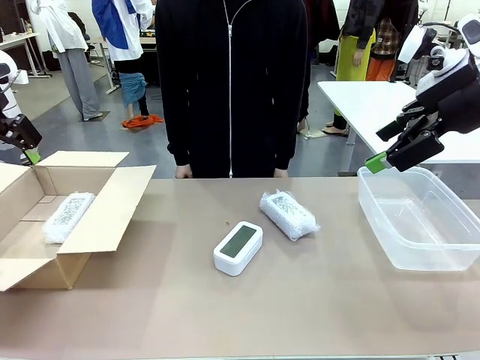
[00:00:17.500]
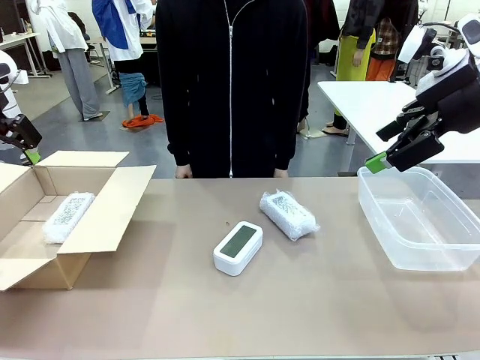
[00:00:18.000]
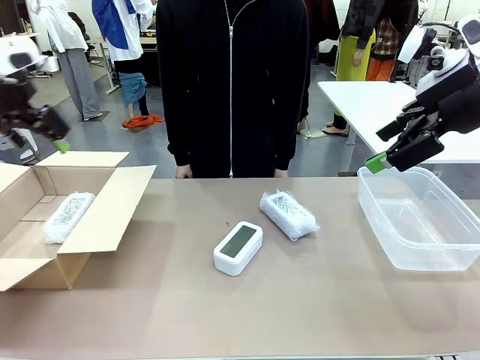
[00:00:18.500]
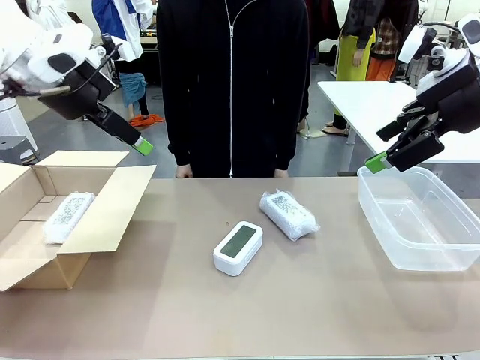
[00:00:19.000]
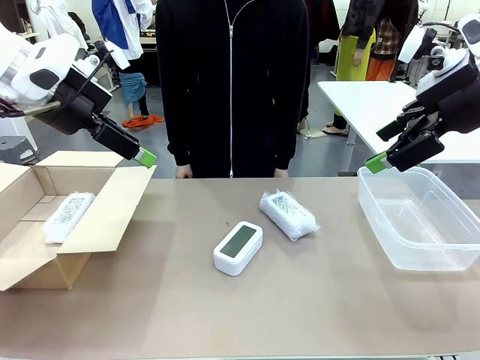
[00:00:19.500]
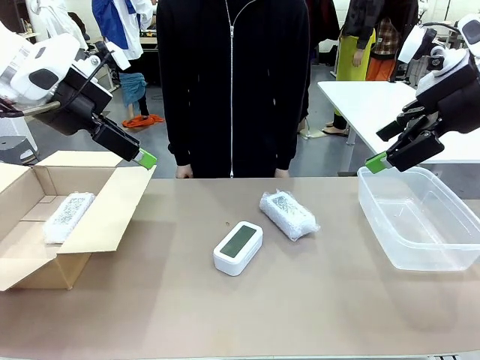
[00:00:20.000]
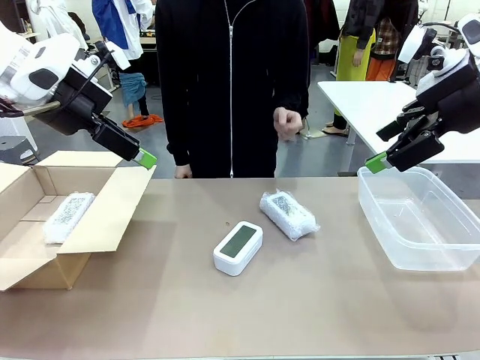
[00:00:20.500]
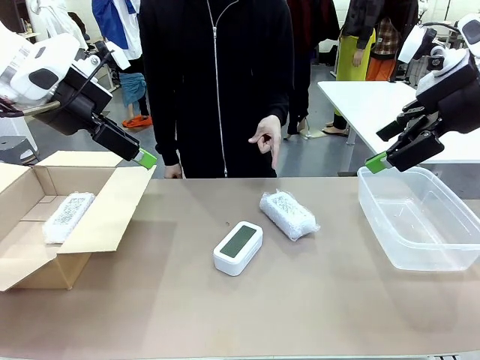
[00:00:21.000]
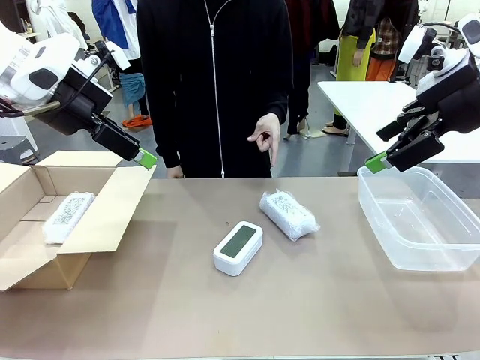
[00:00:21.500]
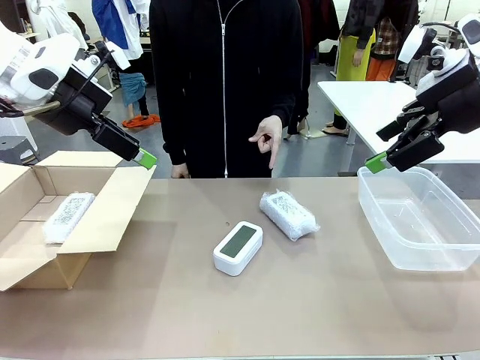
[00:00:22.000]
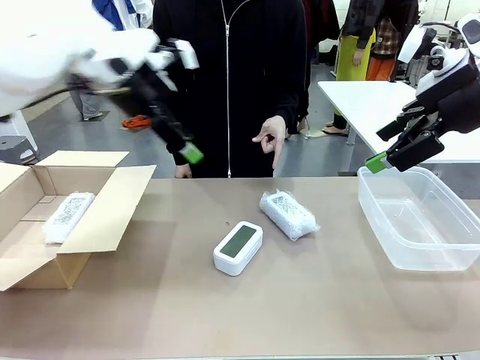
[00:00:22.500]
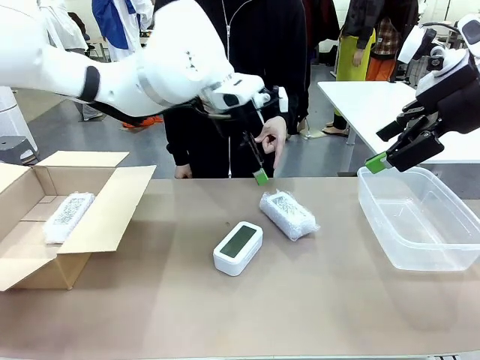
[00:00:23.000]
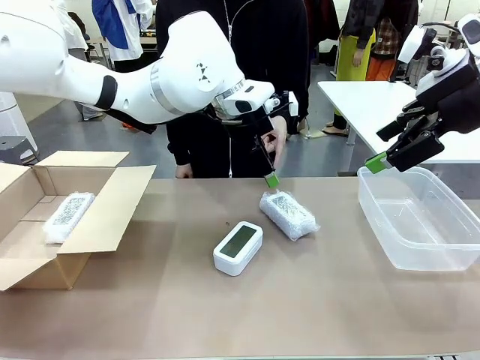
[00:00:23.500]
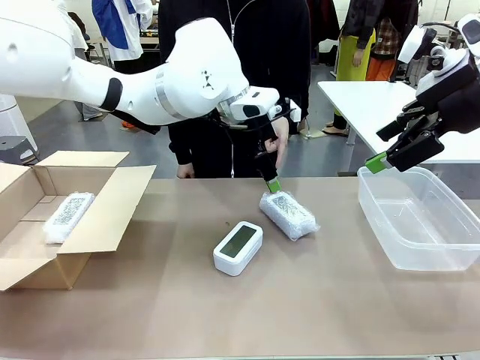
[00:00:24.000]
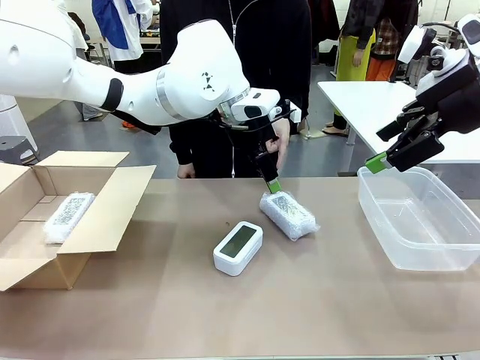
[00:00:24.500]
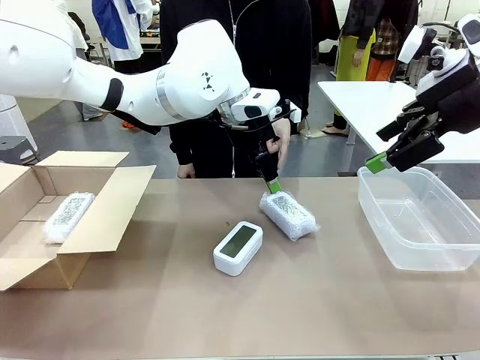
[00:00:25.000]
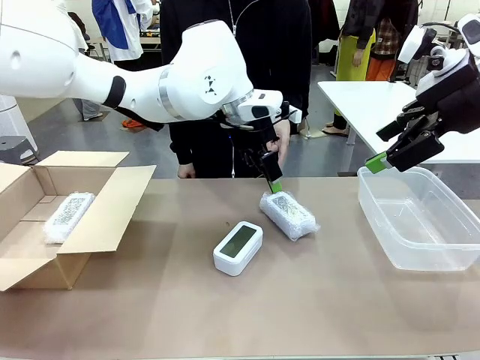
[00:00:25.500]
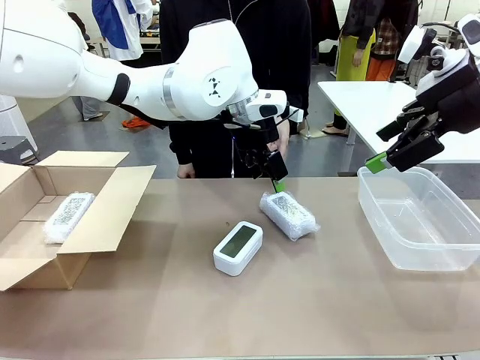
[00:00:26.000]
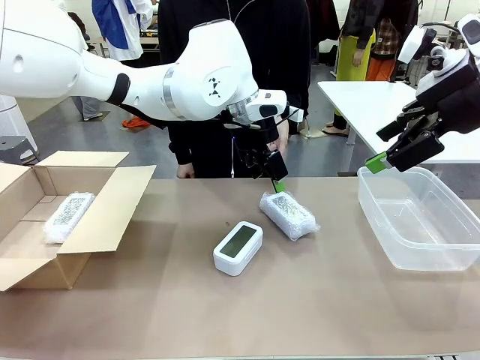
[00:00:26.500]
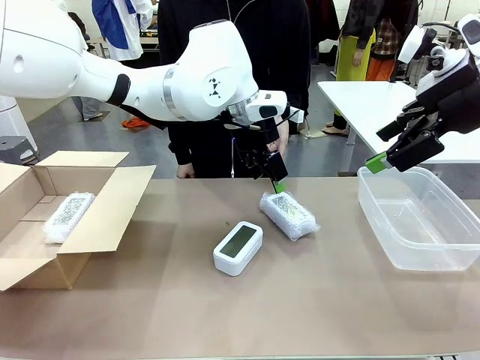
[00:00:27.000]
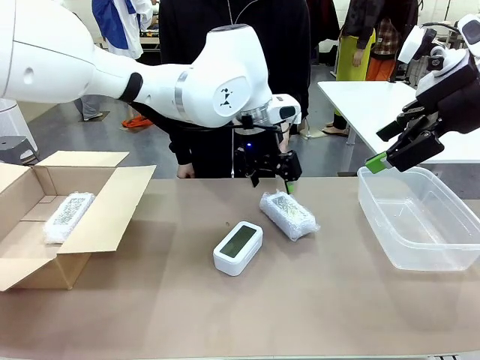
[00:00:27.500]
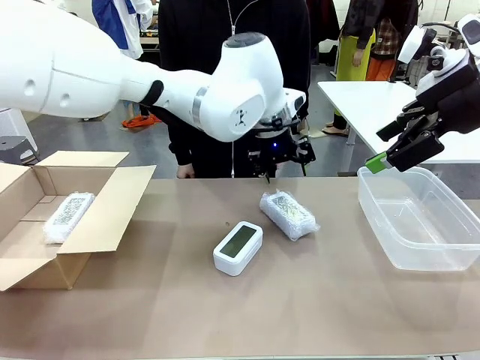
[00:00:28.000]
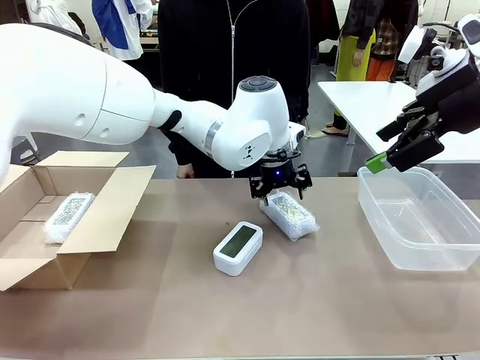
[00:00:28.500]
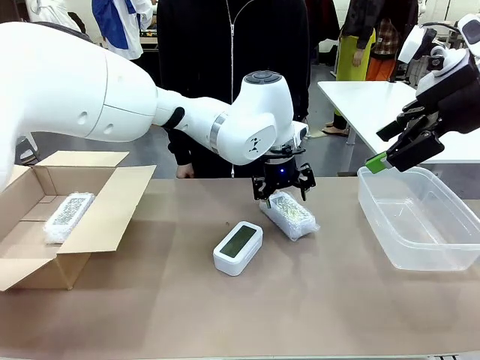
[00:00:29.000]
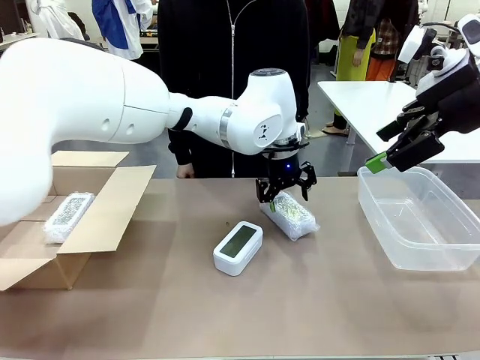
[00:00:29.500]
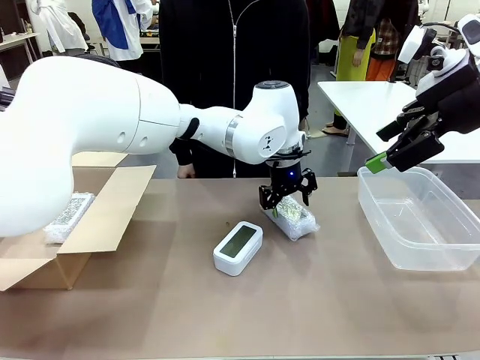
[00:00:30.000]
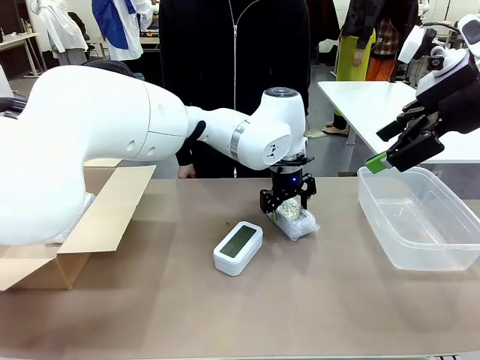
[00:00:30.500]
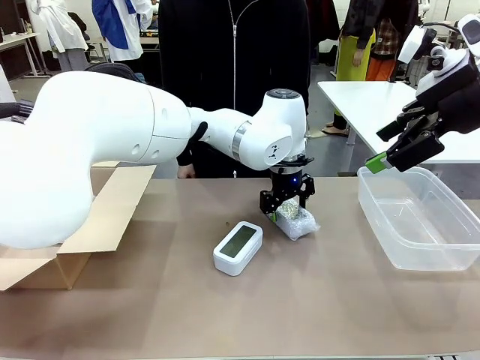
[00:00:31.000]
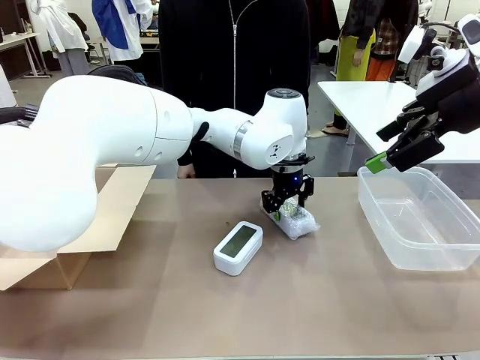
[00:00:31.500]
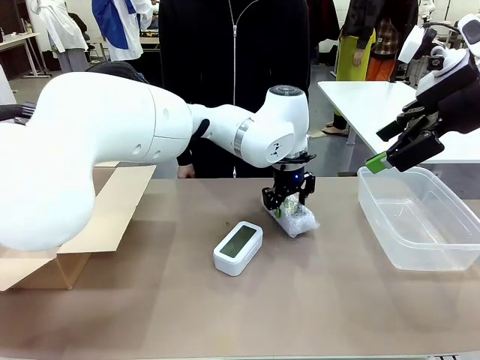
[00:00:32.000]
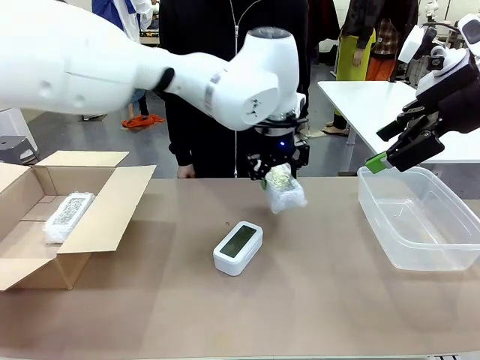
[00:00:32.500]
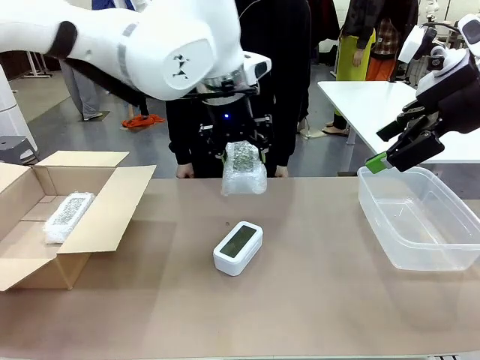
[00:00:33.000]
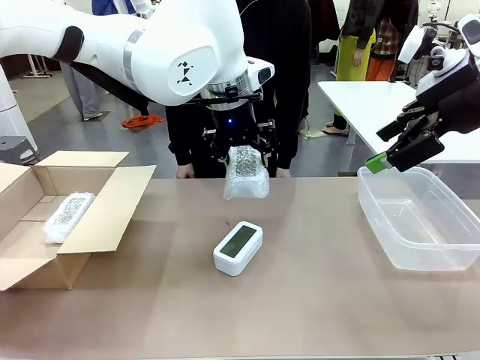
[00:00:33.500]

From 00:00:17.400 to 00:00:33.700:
Task: Separate and place wrapped and unwrapped clocks.
Robot: Pick up the Digital clock indicated by the person.

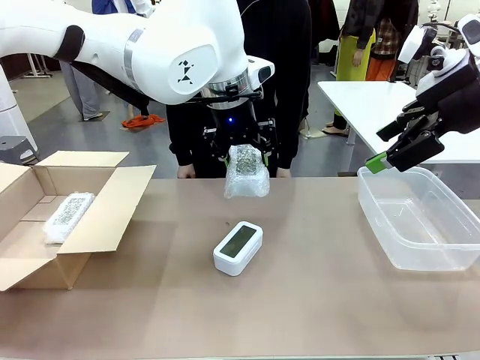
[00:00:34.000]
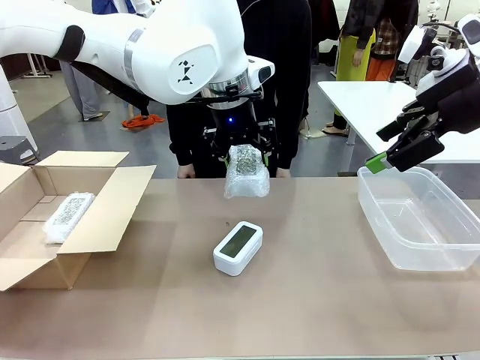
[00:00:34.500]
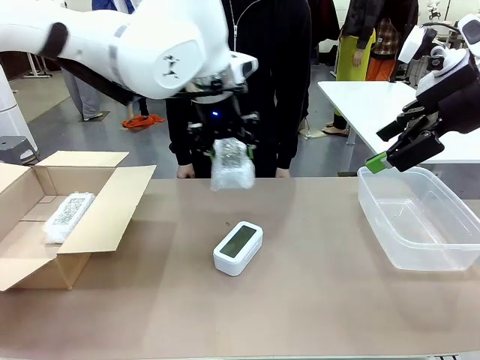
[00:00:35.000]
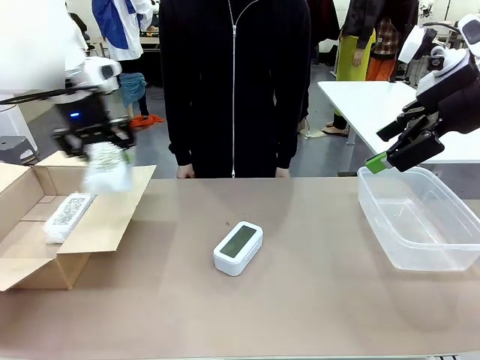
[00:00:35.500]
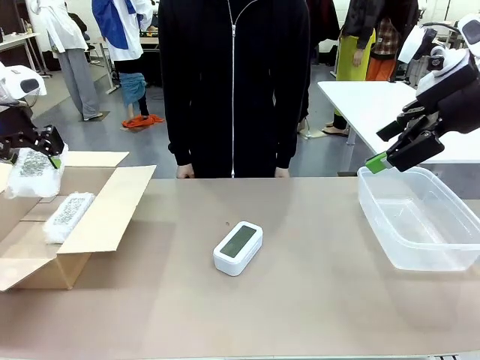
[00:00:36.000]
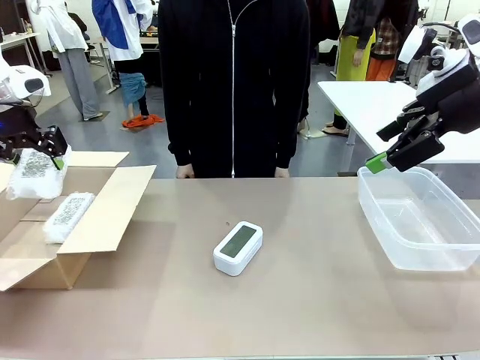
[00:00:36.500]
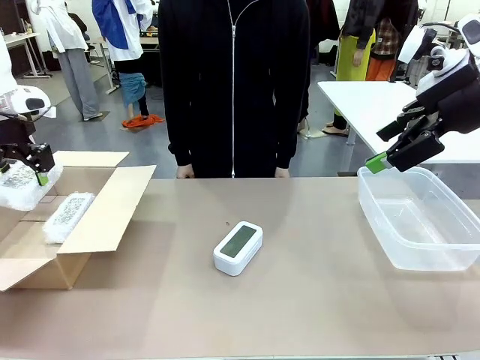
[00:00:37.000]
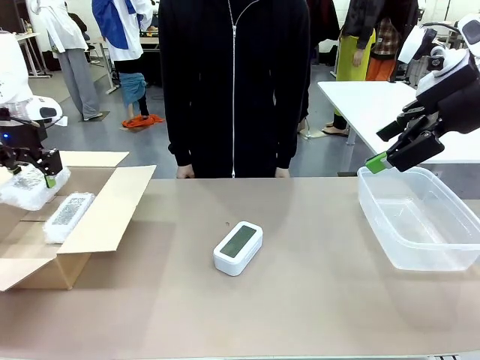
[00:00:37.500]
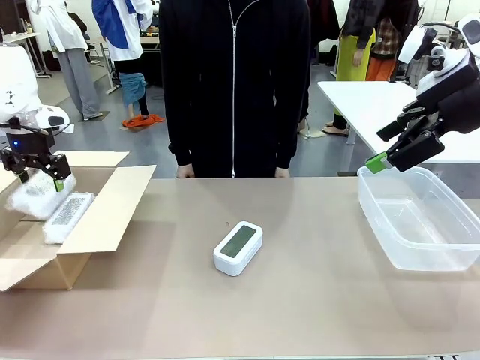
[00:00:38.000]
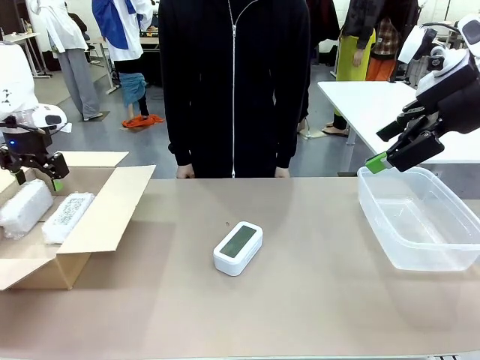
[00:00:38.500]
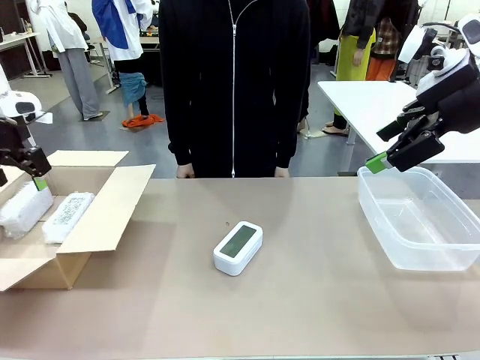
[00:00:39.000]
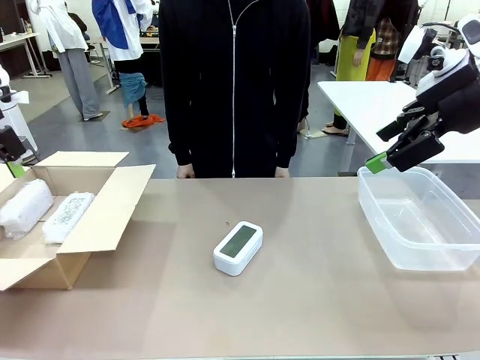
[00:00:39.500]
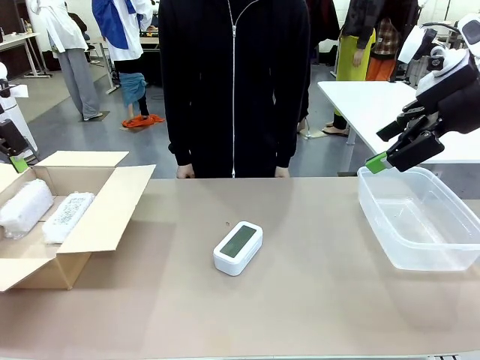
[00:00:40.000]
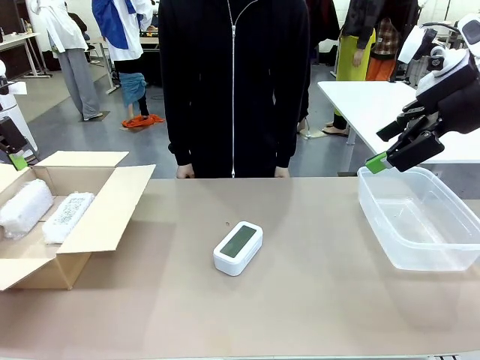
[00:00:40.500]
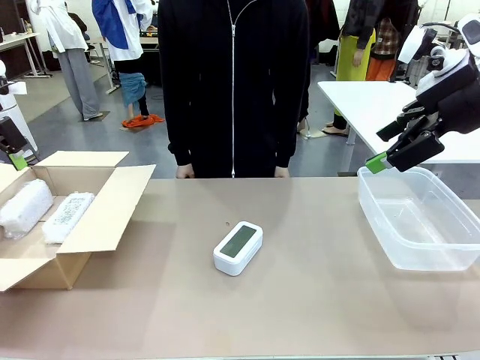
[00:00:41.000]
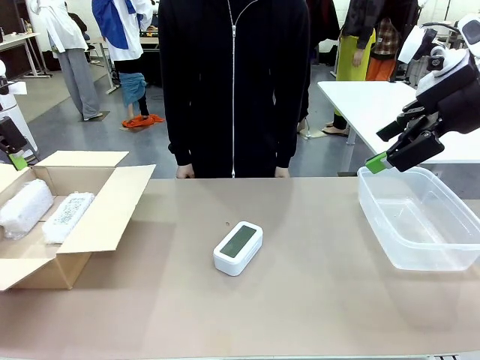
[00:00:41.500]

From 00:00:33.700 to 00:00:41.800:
Robot: If the picked Digital clock is wrapped, place it in the Package Box ; if not, place it in the Organizing box.

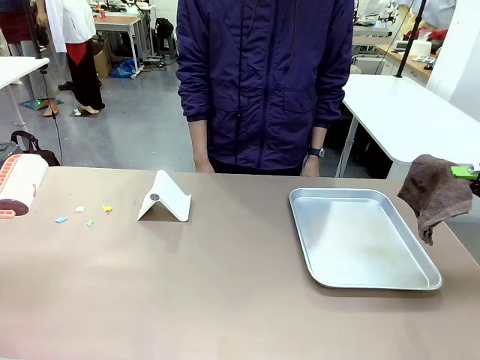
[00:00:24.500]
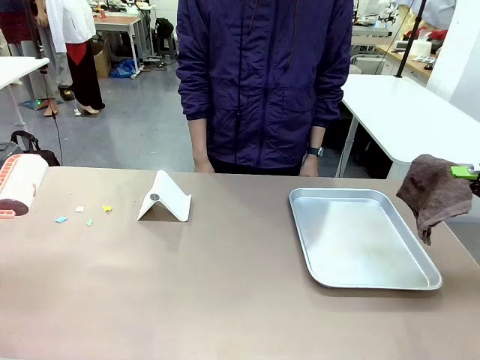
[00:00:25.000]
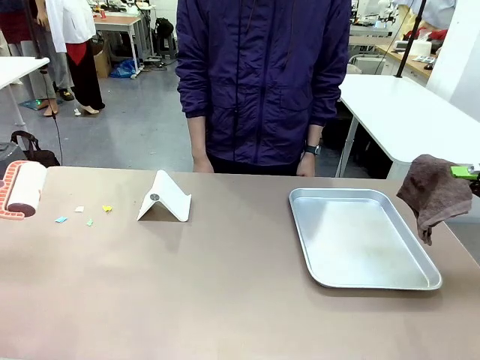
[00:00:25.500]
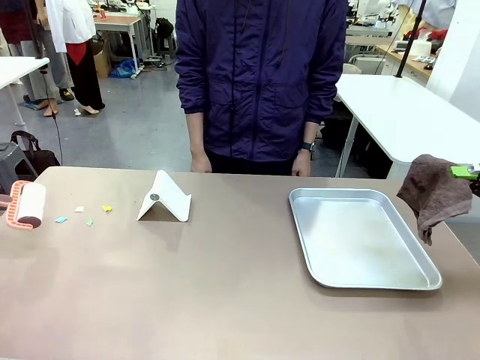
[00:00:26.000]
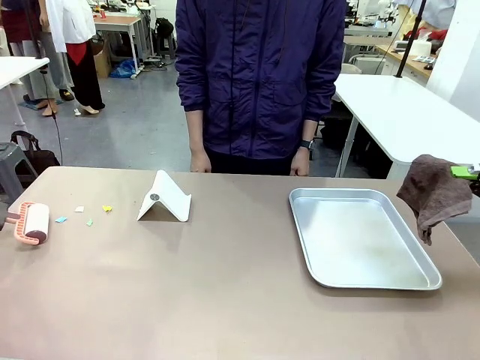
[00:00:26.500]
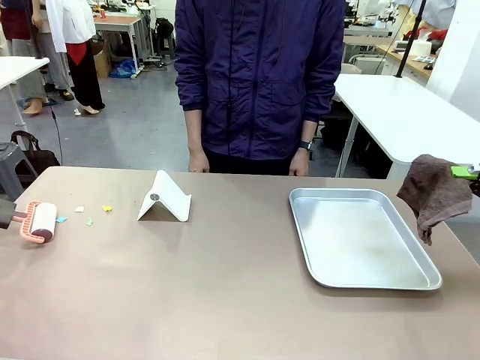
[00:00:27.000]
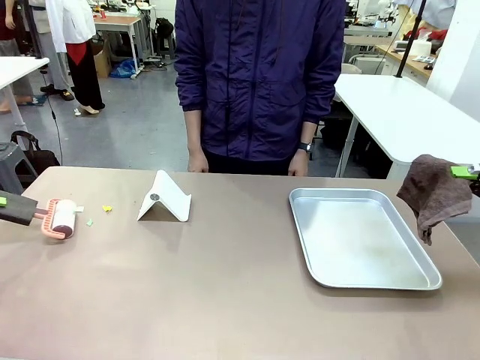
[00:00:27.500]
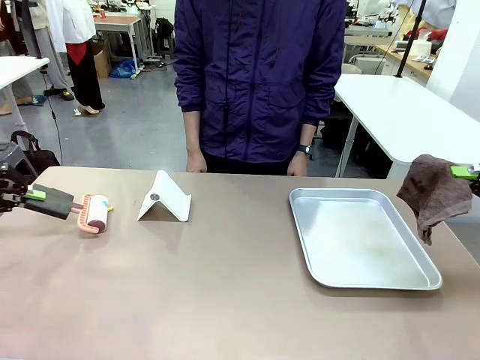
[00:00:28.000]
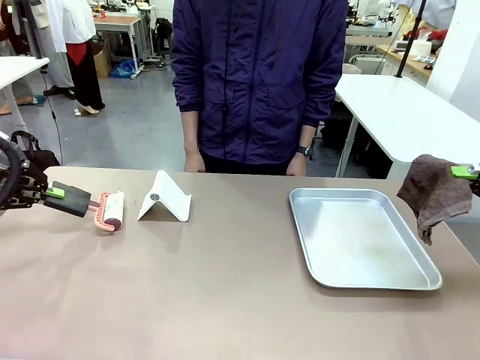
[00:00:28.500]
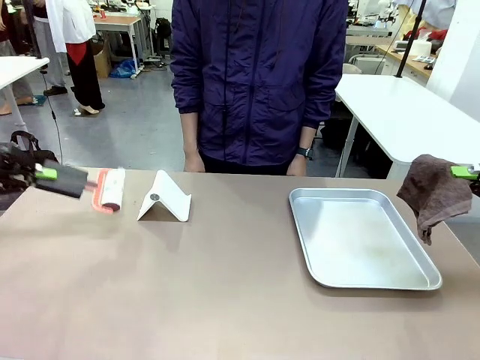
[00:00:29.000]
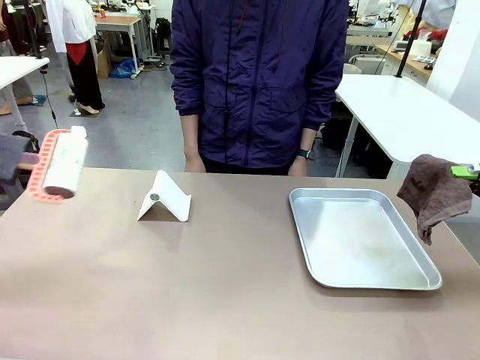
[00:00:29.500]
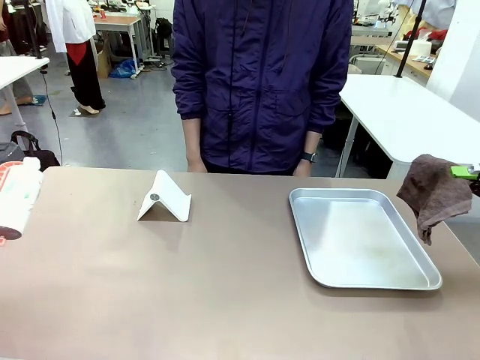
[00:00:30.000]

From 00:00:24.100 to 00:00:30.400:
Task: Clean the surface of the table.
Robot: Clean the area not pointed to by the person.
